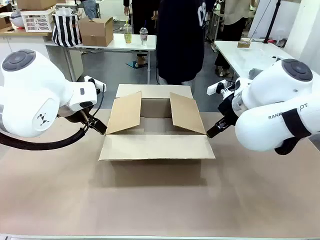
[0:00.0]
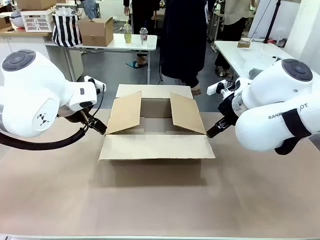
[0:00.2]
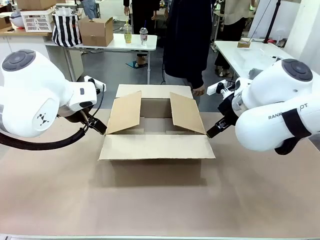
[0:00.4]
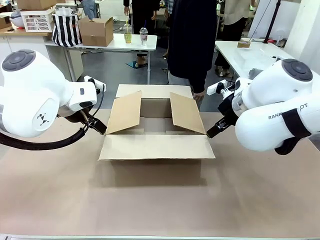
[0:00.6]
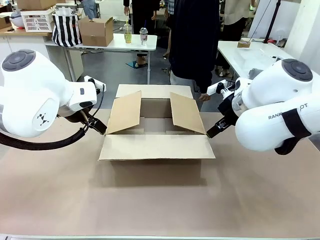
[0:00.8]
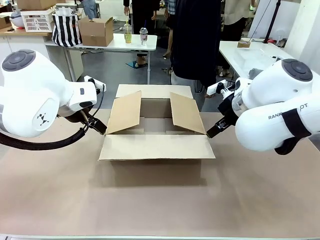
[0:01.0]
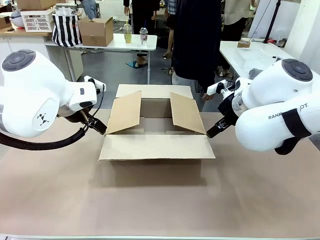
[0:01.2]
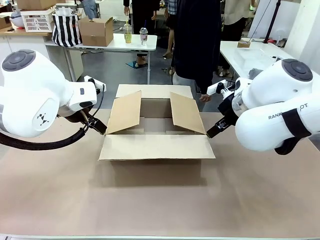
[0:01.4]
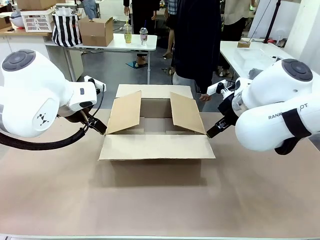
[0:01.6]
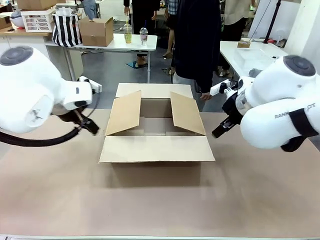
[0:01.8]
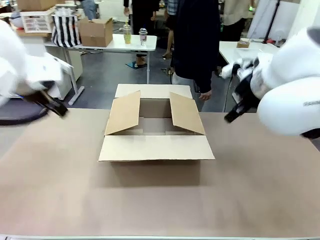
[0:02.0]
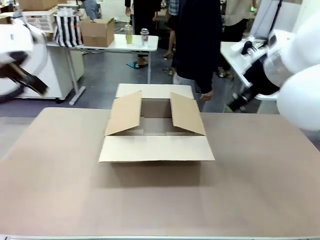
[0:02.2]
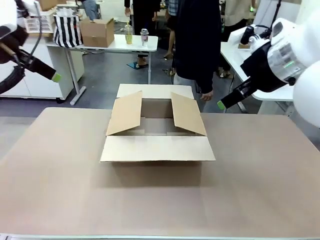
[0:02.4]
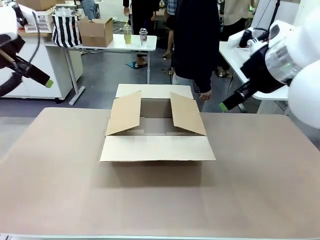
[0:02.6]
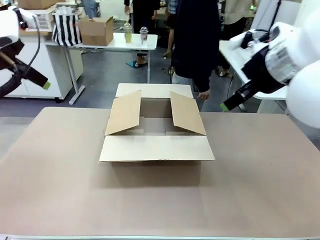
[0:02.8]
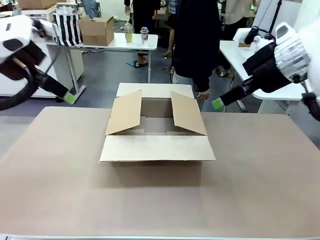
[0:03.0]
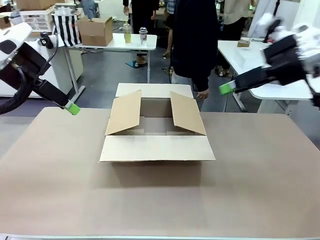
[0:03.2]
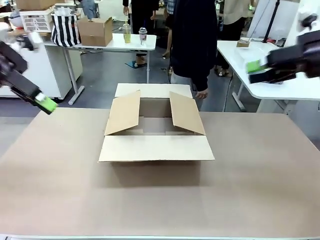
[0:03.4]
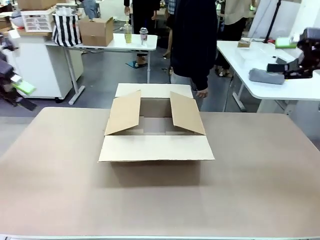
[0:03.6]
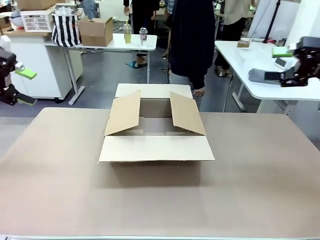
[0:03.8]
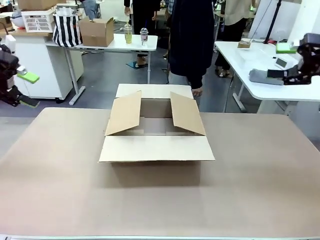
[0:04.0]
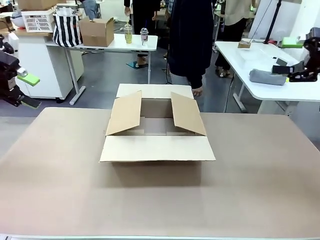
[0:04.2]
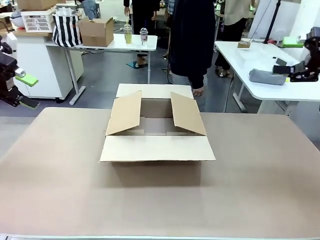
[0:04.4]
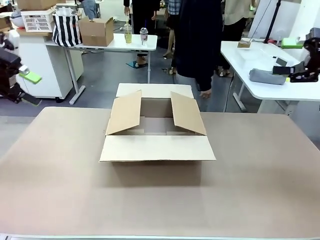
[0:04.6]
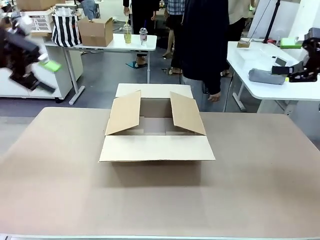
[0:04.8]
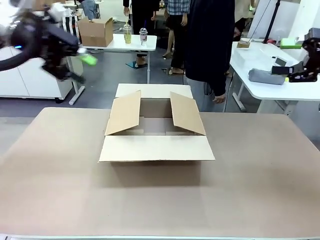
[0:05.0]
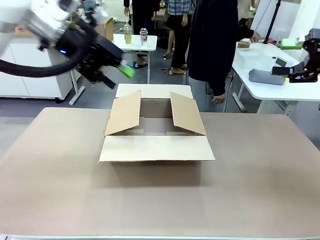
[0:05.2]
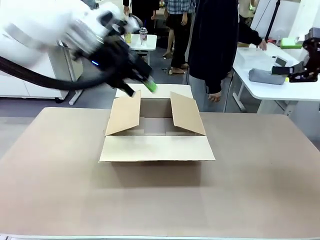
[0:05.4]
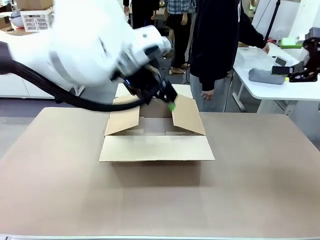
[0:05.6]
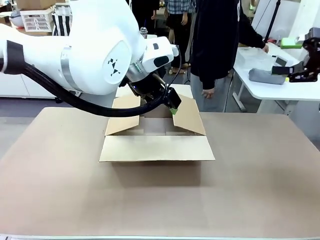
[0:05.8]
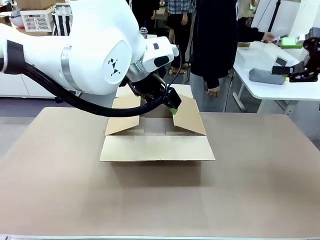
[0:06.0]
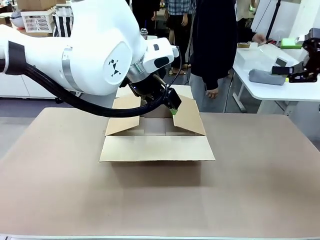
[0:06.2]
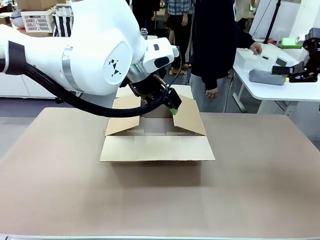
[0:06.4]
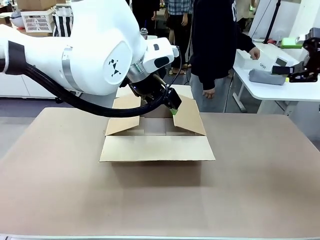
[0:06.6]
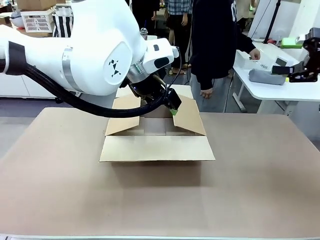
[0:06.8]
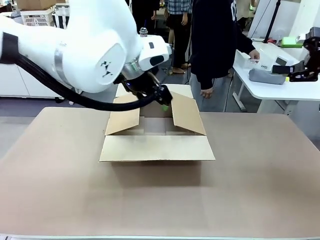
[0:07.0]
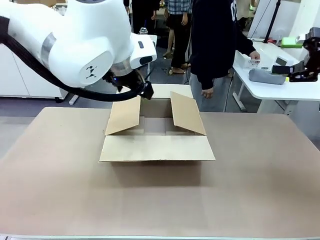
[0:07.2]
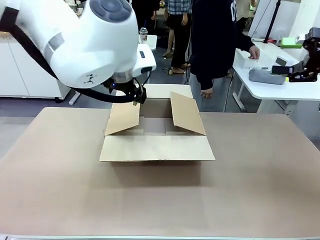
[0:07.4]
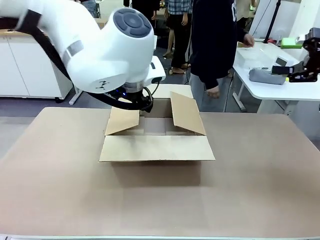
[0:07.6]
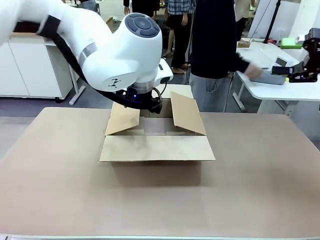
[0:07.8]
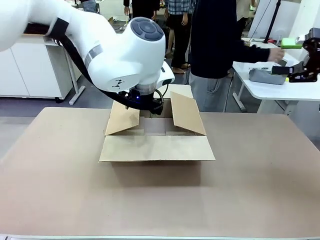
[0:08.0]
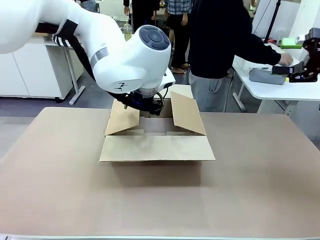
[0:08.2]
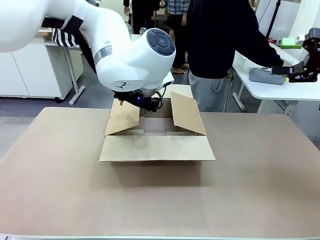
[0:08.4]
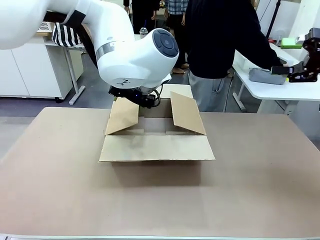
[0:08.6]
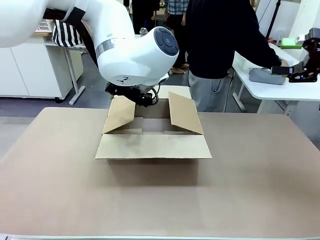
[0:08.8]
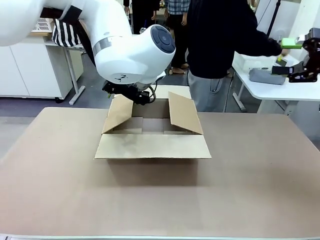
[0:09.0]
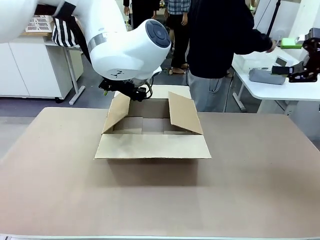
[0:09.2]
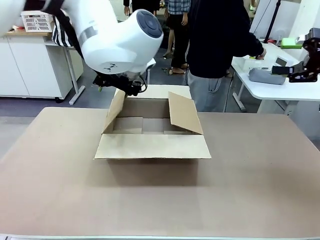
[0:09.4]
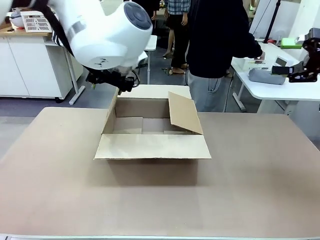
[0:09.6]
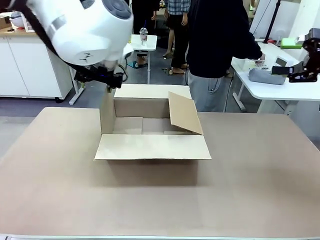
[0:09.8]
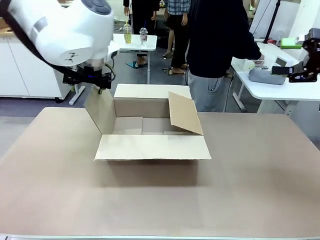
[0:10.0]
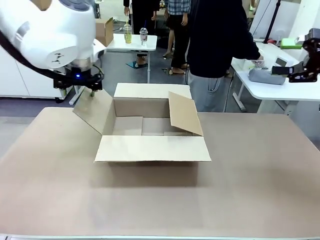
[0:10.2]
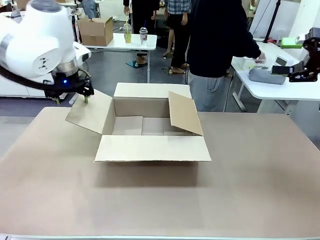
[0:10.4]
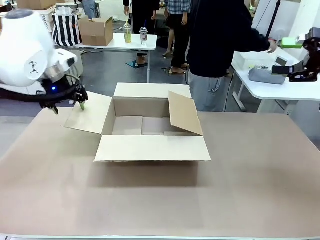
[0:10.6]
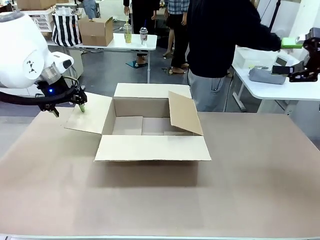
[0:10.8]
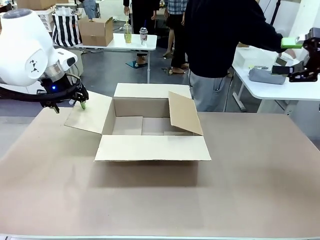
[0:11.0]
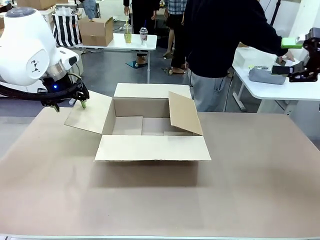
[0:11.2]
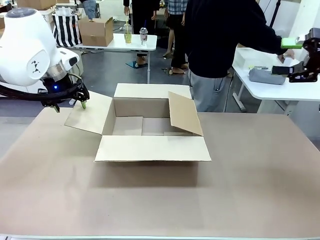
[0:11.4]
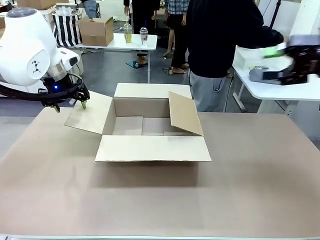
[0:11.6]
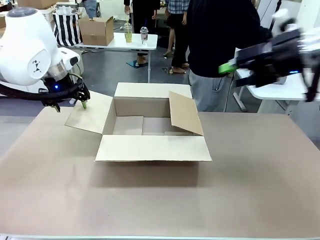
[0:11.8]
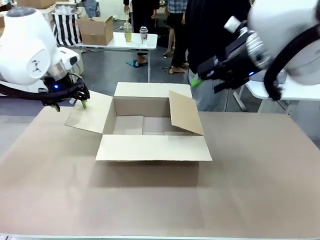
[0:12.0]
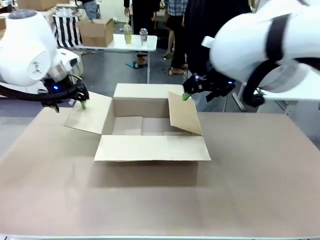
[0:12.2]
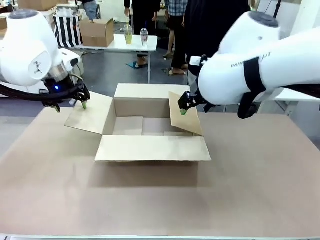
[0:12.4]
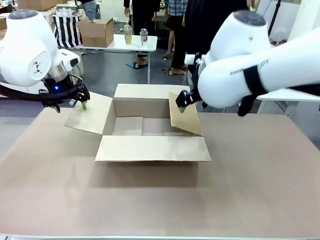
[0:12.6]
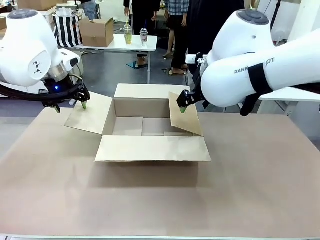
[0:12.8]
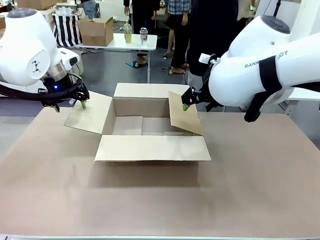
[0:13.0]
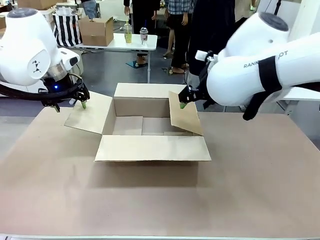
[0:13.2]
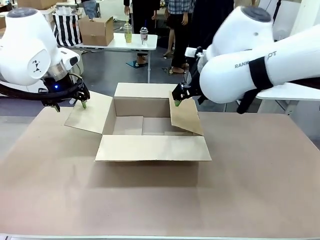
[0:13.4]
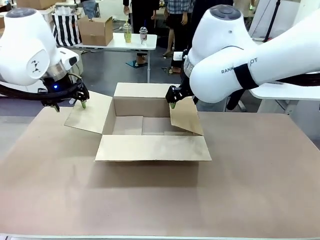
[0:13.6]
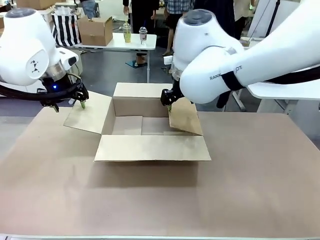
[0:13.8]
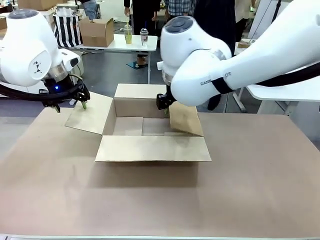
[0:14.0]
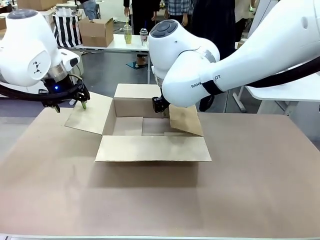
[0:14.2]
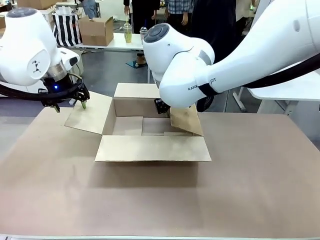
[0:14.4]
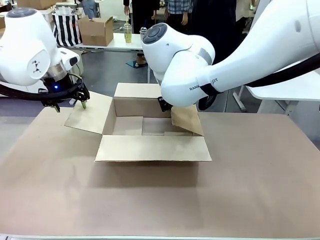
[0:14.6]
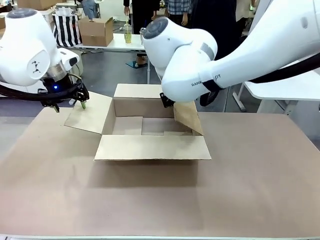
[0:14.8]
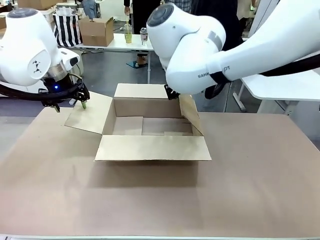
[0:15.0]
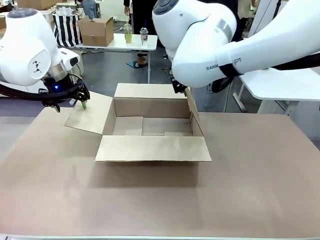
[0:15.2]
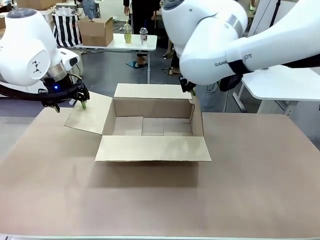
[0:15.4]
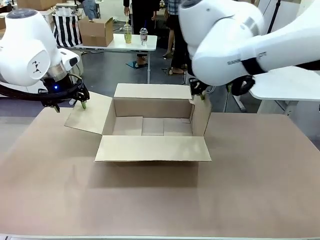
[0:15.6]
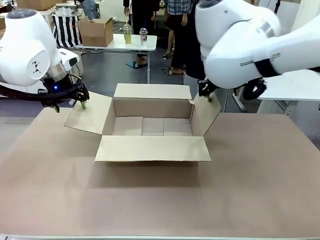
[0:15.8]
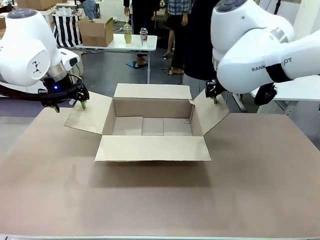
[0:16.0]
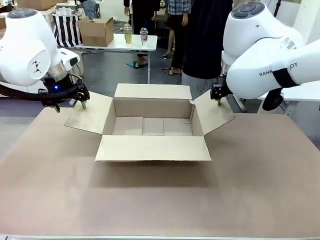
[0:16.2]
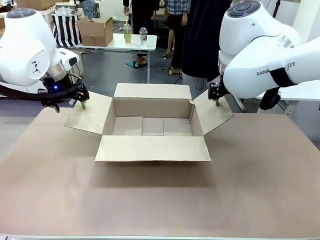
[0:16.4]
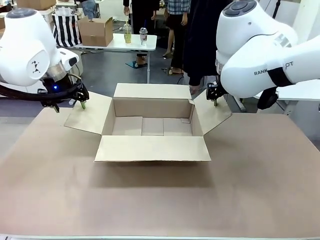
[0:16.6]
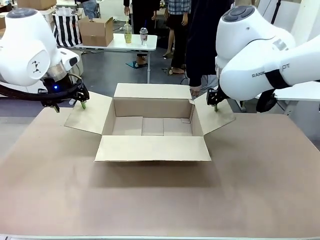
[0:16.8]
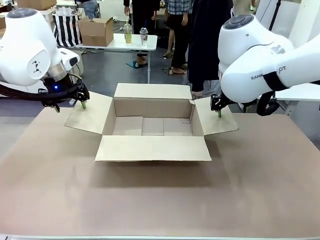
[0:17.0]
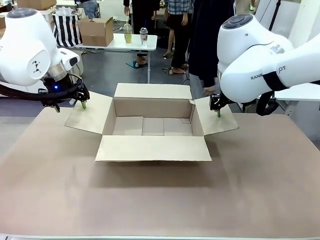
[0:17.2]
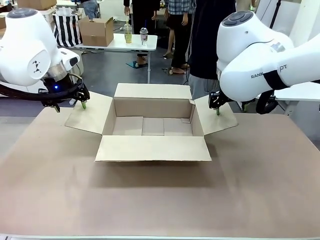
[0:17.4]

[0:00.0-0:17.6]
Task: Pack the gift set into the box.
Robot: Place both hands on the side flaps of the Package Box and spread them outward.
Person: The human places all items except the paper tape into the organizing basket.

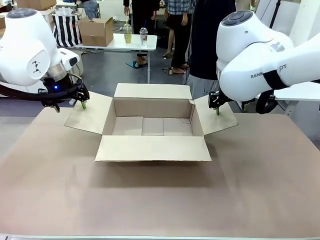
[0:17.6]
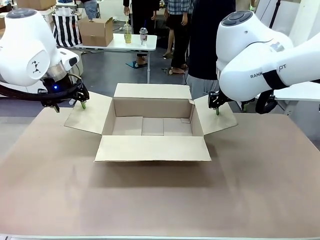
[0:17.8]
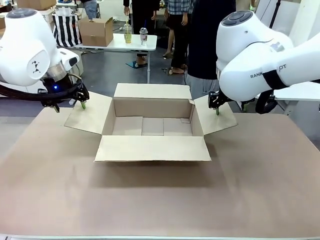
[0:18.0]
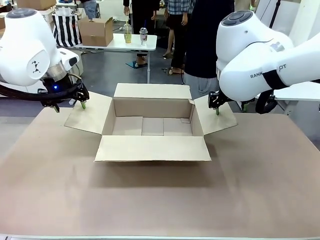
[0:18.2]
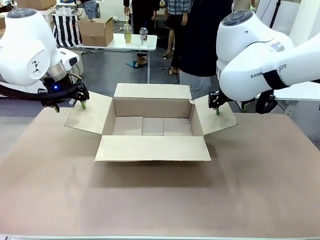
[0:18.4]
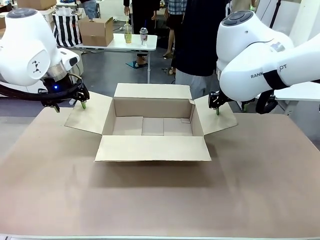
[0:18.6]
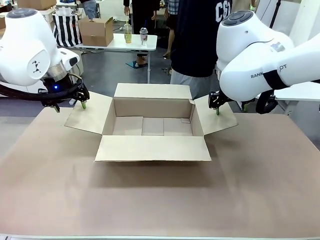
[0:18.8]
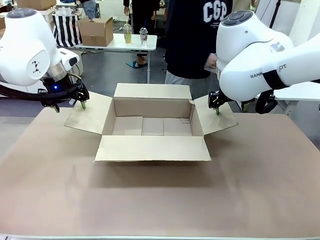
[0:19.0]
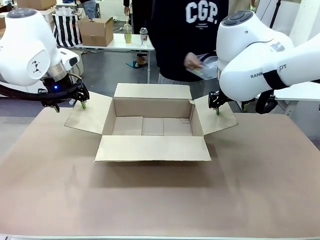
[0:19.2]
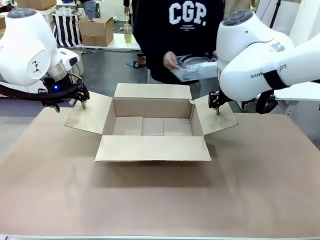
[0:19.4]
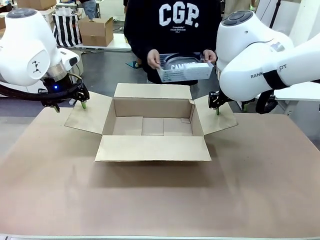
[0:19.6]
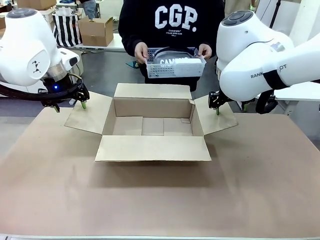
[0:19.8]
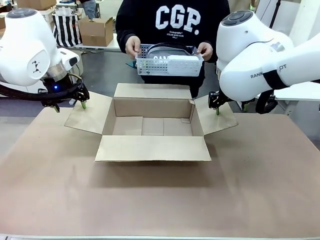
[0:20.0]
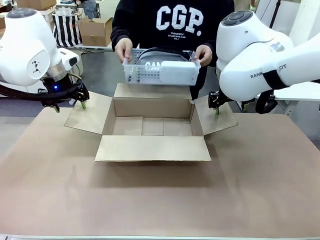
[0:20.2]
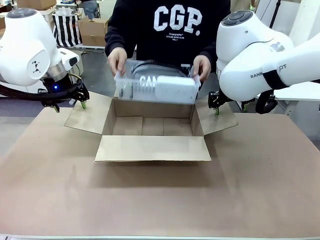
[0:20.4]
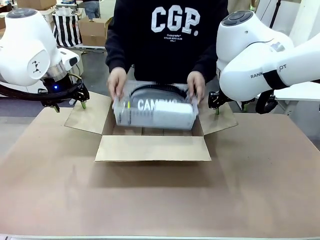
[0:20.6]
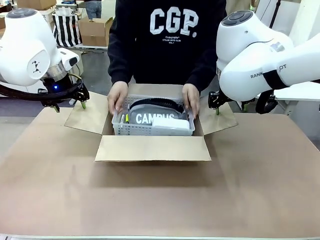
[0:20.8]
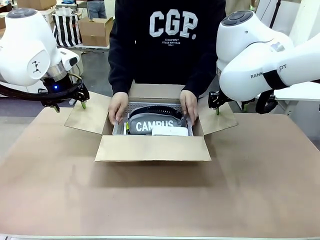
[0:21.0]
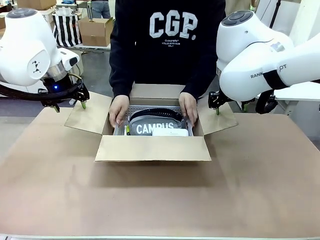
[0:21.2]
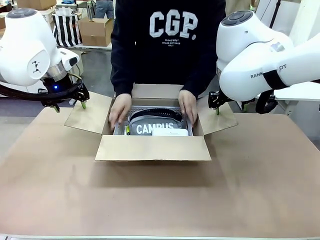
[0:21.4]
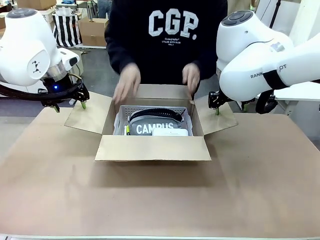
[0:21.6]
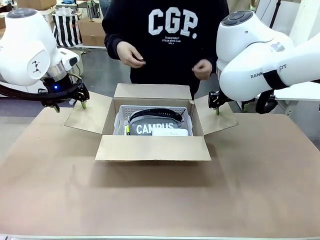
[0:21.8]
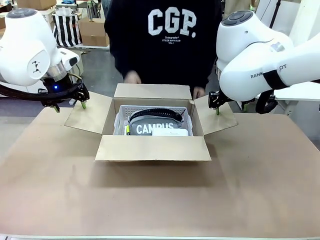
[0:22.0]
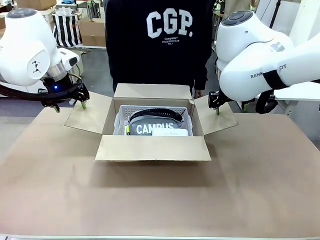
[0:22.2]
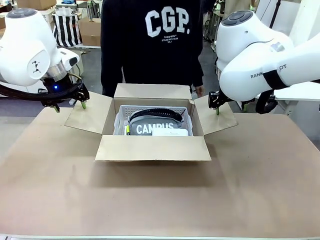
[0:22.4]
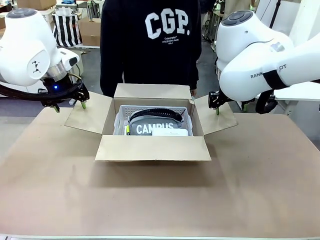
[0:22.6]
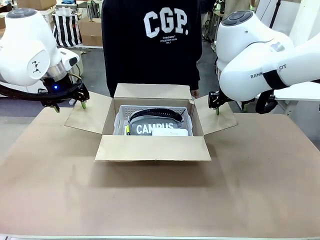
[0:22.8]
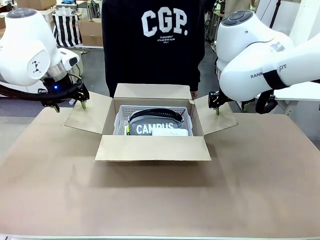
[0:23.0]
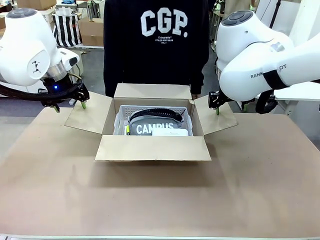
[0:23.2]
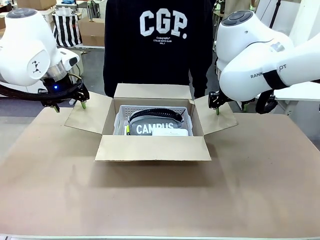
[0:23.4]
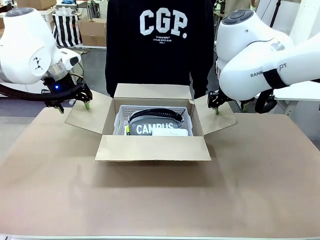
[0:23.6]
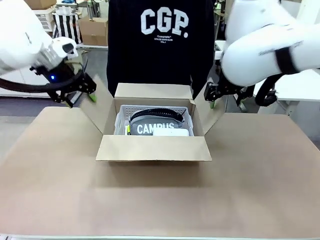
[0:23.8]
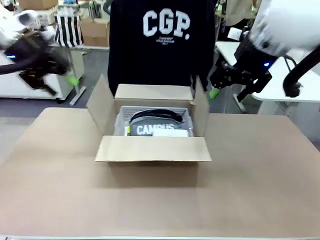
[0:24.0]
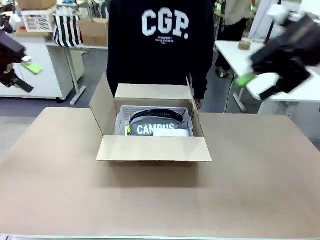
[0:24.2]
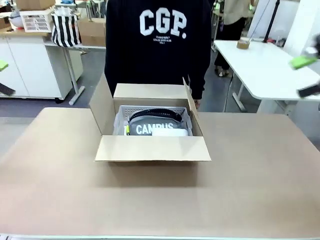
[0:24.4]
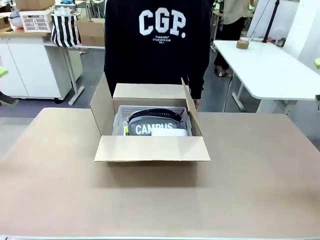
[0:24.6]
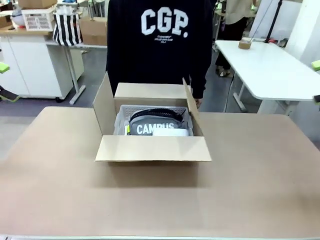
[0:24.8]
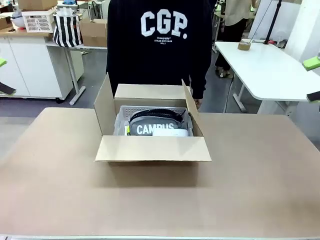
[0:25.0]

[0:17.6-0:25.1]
Robot: Lift both hands away from the flaps of the Package Box.
Person: The human picks up the organizing basket and places the organizing basket into the package box on the robot table.
